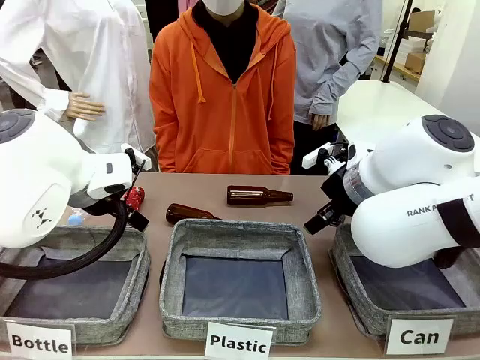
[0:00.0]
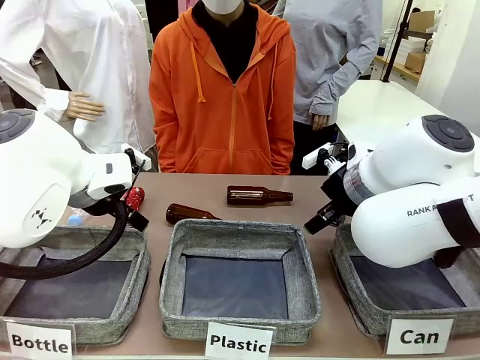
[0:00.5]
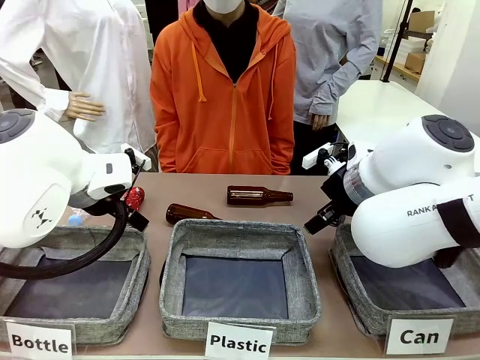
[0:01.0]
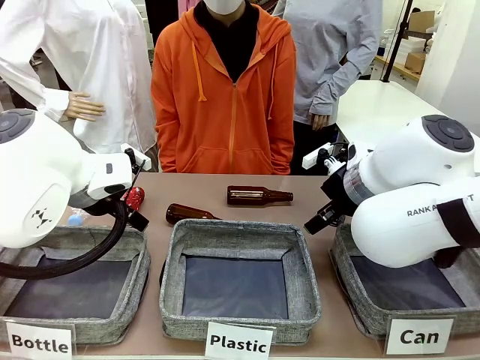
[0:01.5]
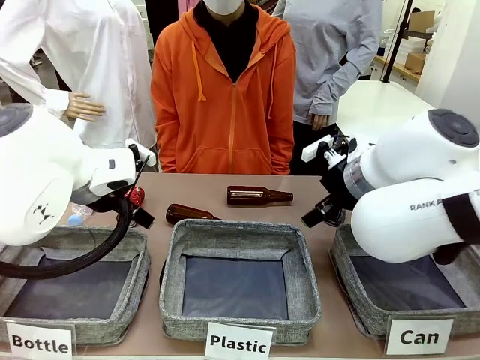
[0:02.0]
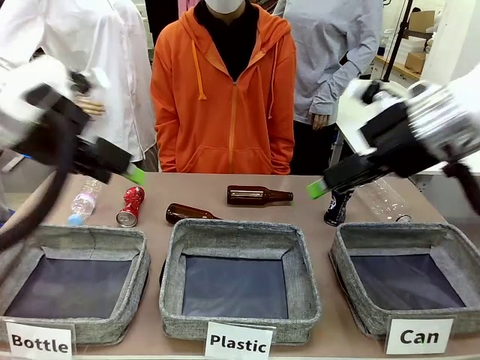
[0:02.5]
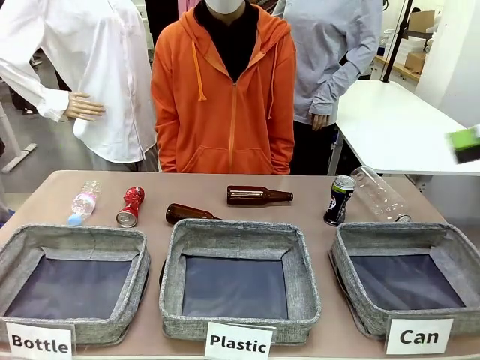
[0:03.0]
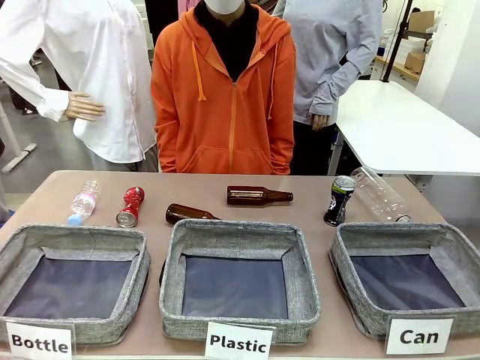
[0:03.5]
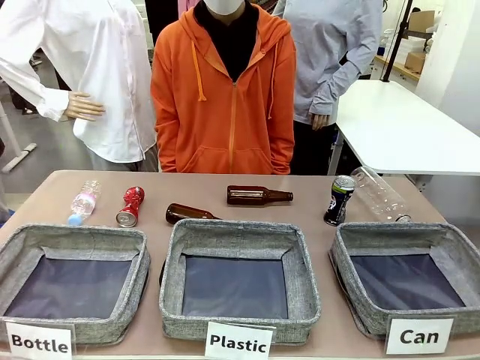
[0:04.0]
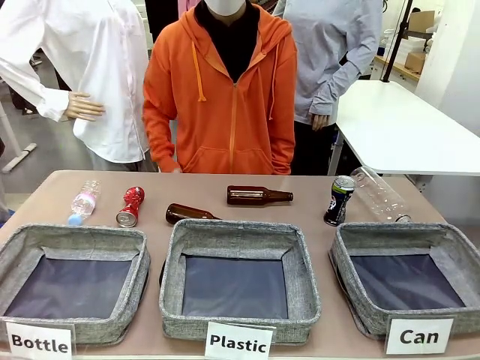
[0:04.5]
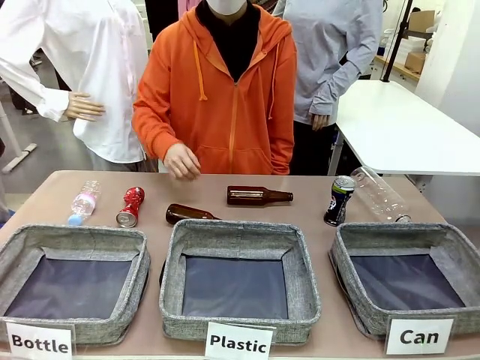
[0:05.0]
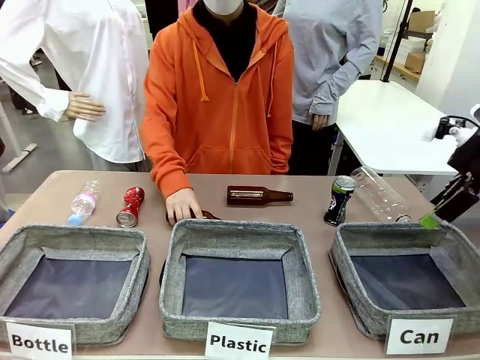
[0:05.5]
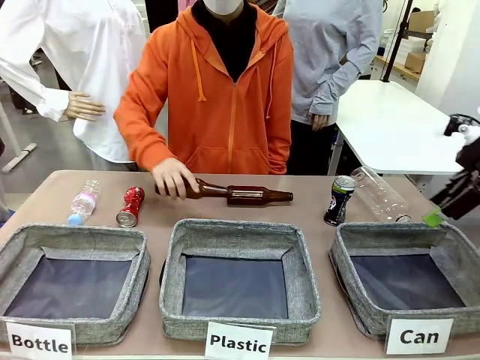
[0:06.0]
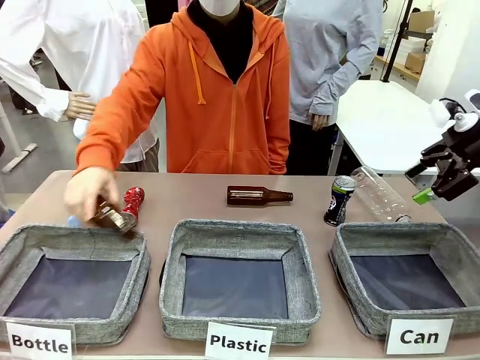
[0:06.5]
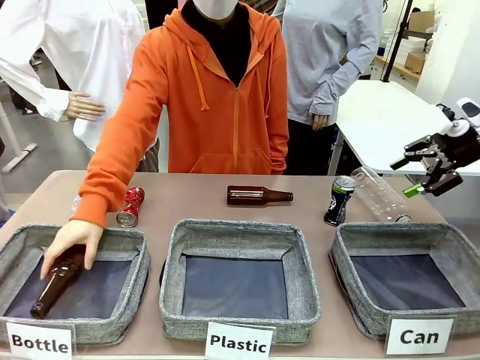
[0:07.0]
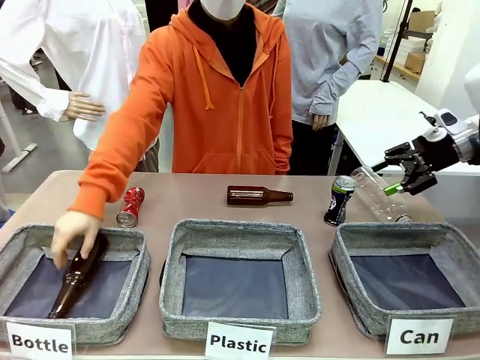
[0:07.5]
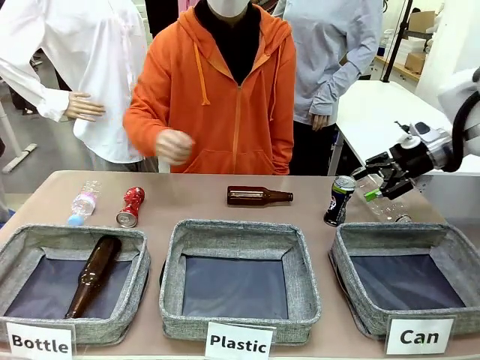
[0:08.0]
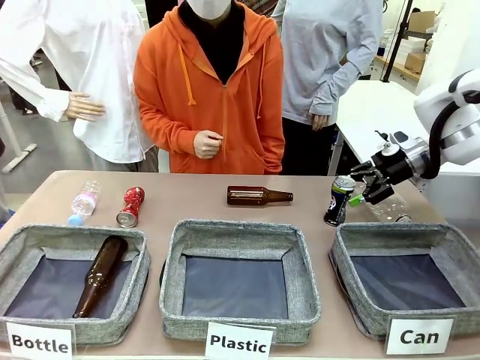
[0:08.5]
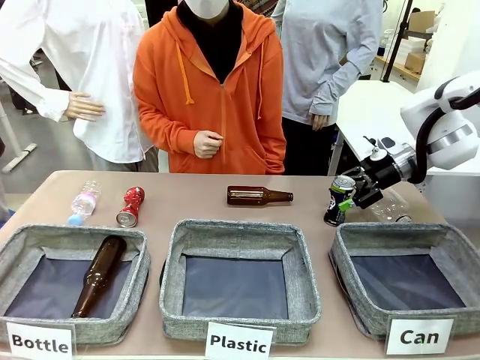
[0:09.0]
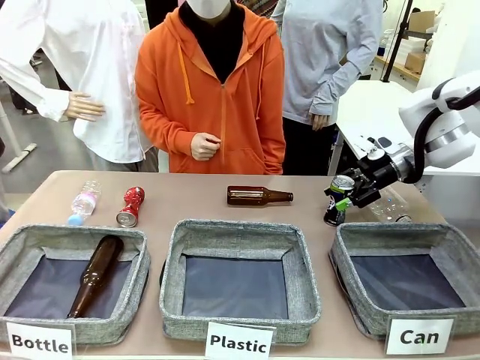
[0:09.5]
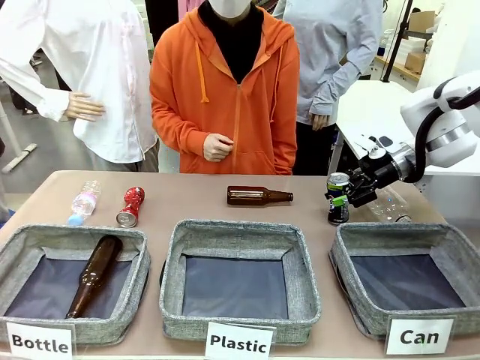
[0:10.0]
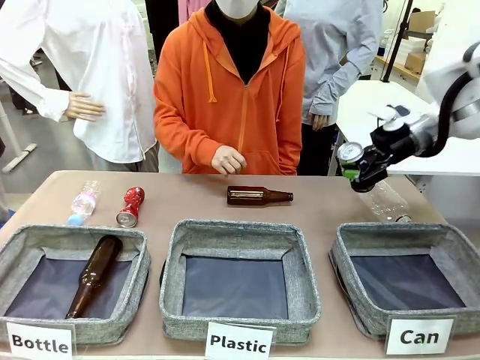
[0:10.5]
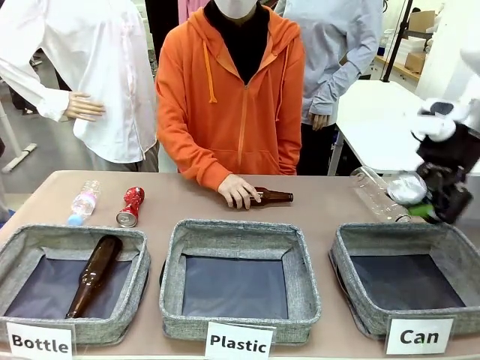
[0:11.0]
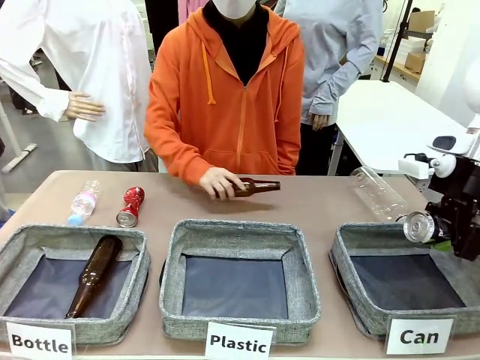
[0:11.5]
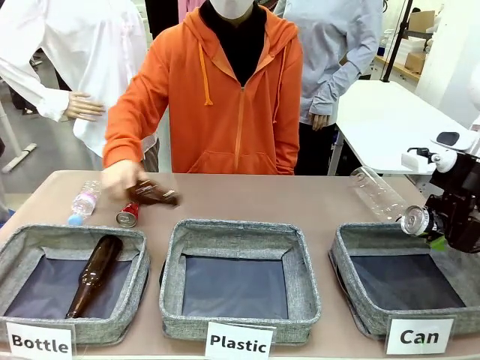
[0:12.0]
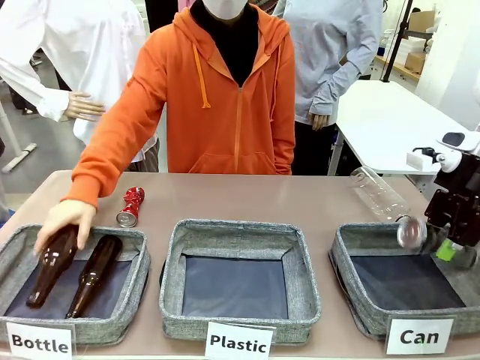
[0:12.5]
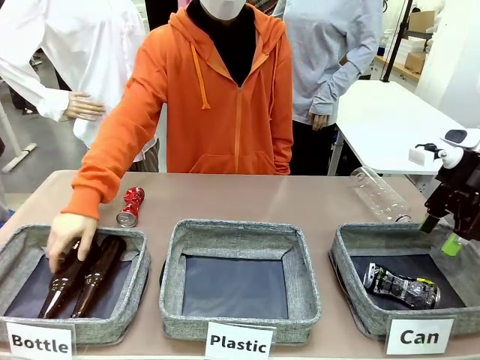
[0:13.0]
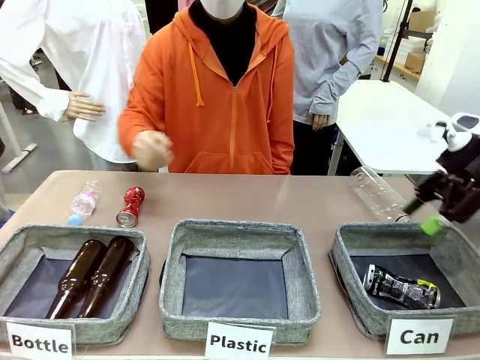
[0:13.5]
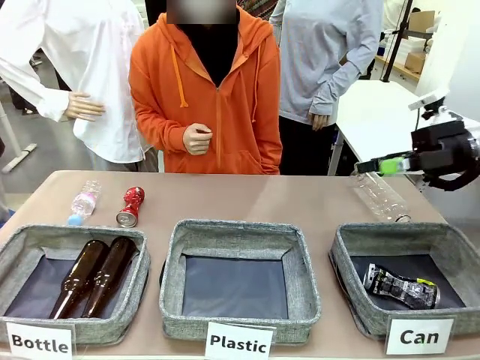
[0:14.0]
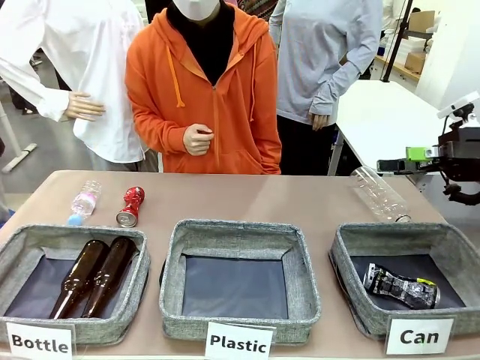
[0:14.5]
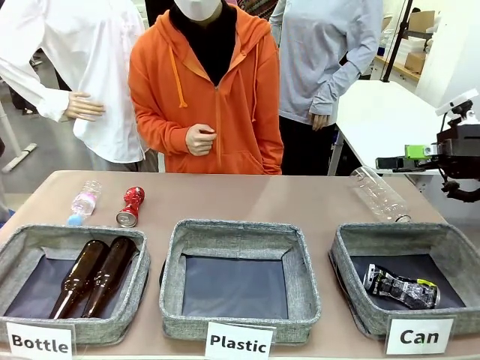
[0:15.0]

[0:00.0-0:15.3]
Task: Sort the can waste into the basket.
Robot: Pick up the can waste from the table and place it in the right Fabric basket.

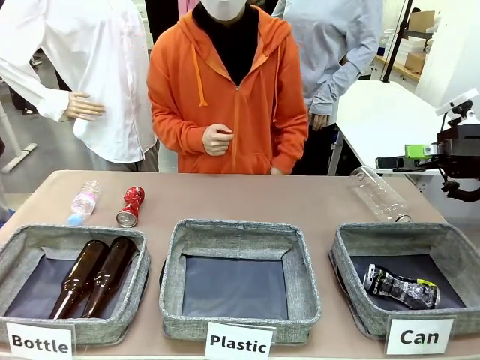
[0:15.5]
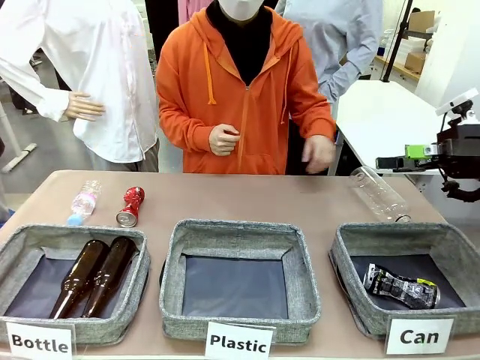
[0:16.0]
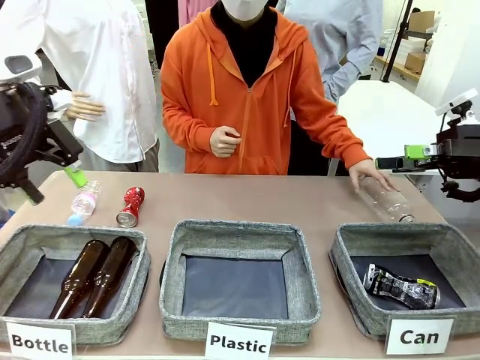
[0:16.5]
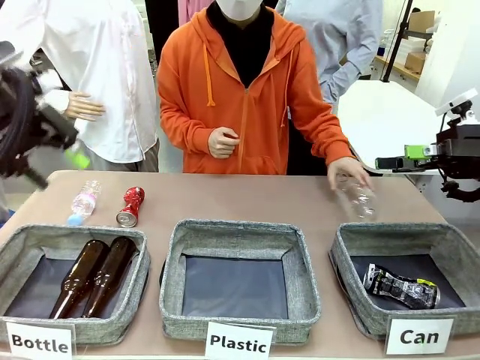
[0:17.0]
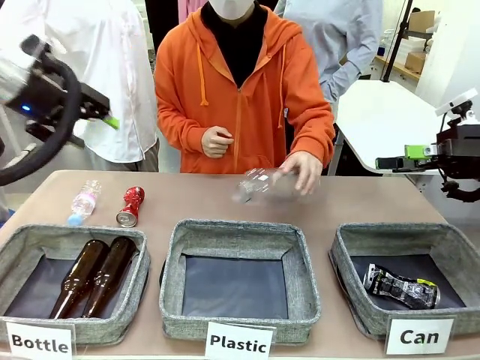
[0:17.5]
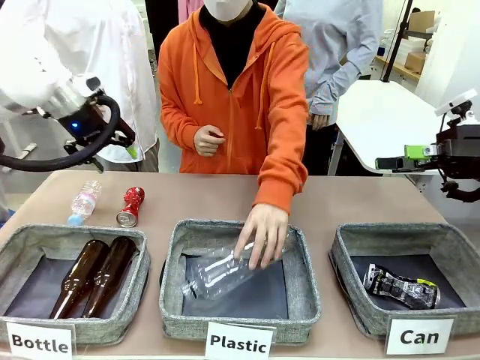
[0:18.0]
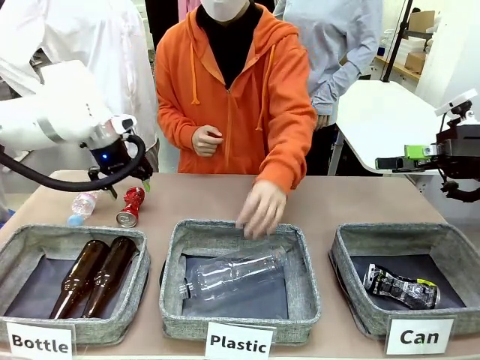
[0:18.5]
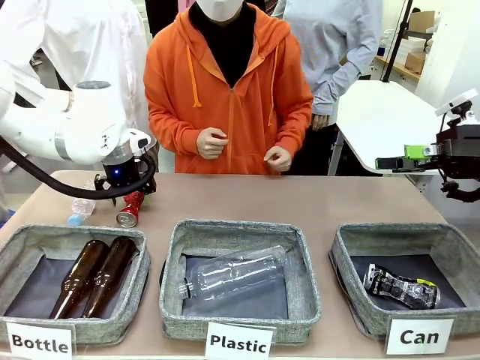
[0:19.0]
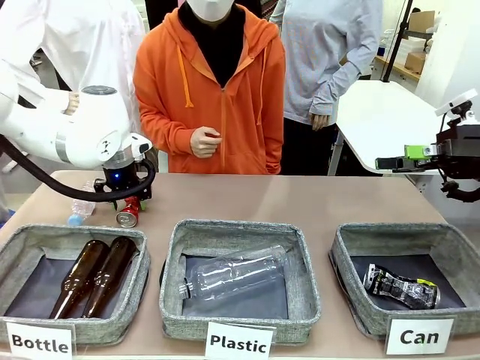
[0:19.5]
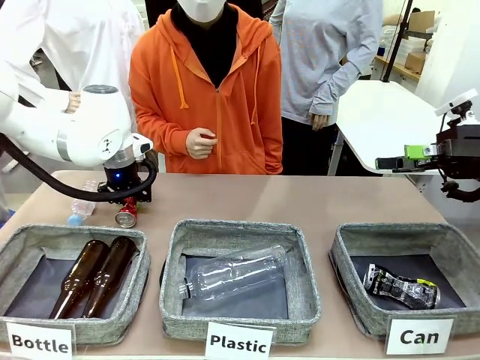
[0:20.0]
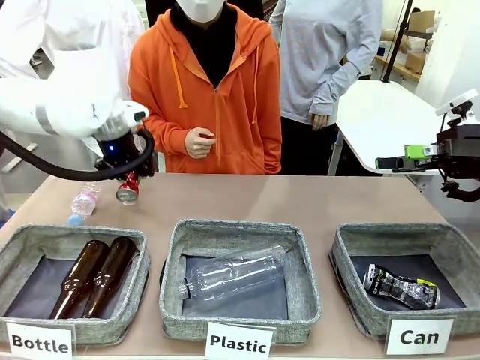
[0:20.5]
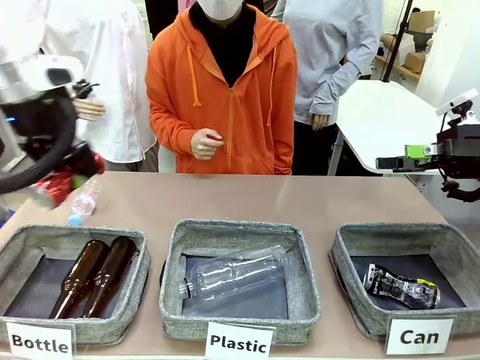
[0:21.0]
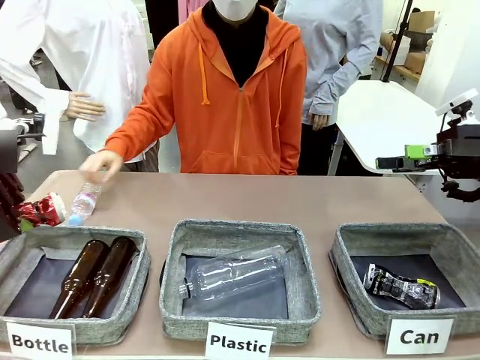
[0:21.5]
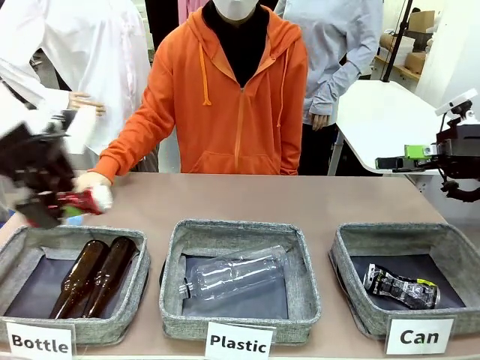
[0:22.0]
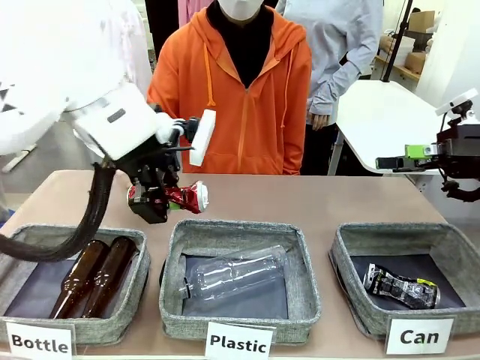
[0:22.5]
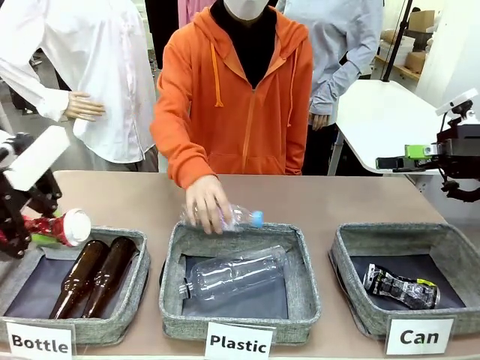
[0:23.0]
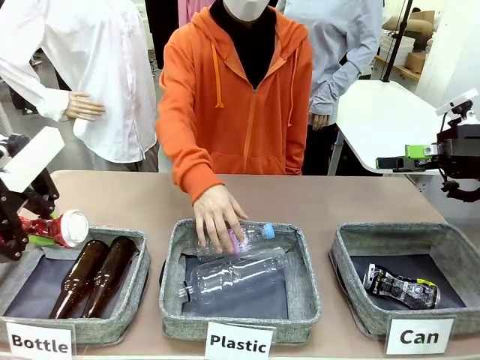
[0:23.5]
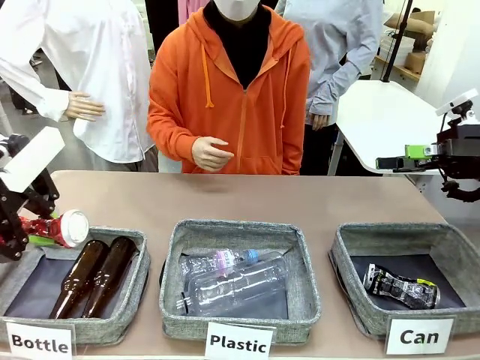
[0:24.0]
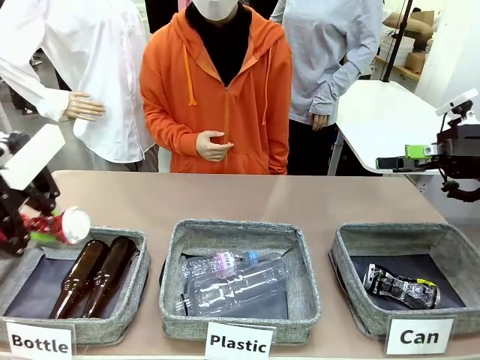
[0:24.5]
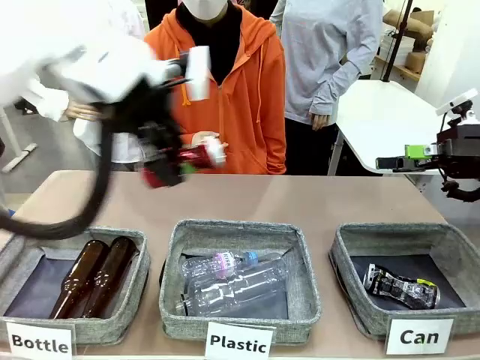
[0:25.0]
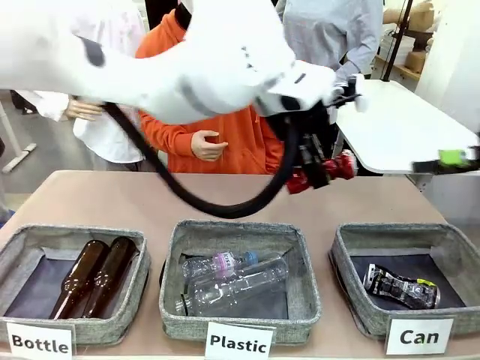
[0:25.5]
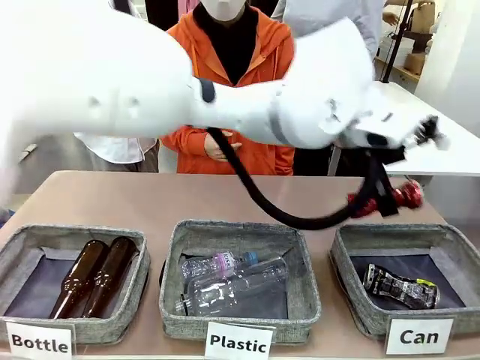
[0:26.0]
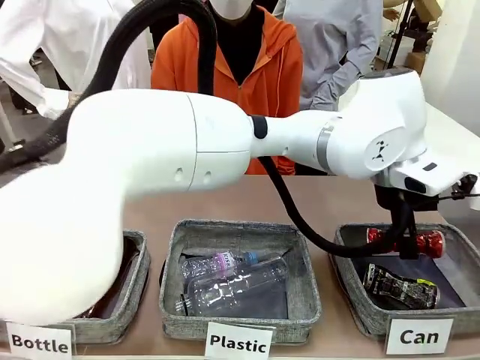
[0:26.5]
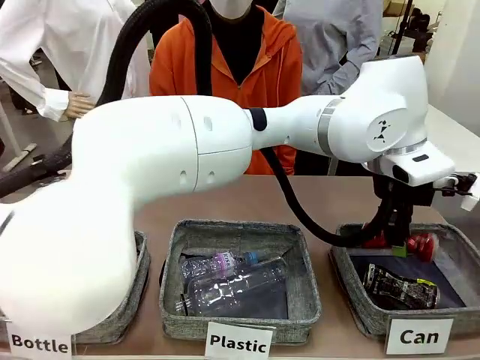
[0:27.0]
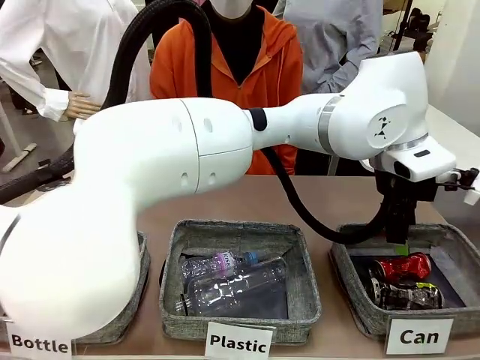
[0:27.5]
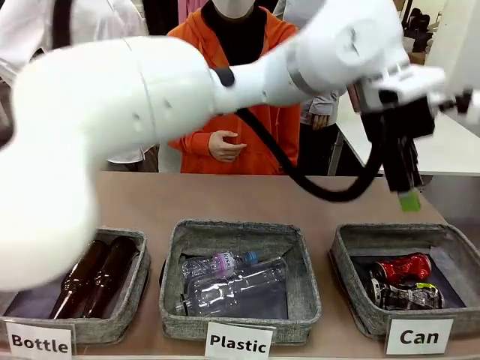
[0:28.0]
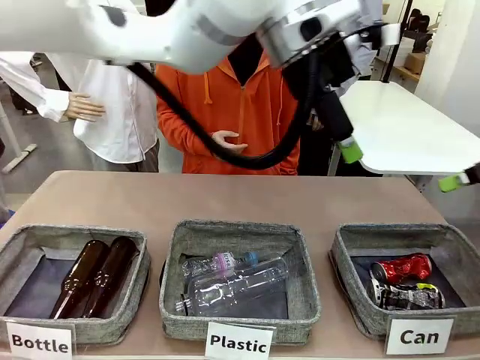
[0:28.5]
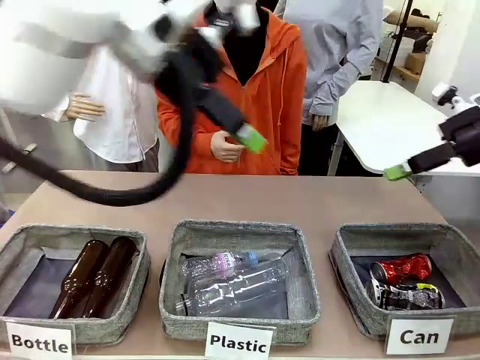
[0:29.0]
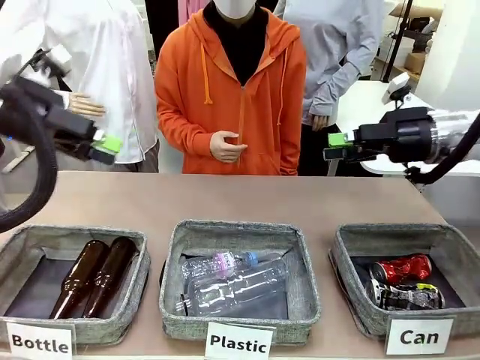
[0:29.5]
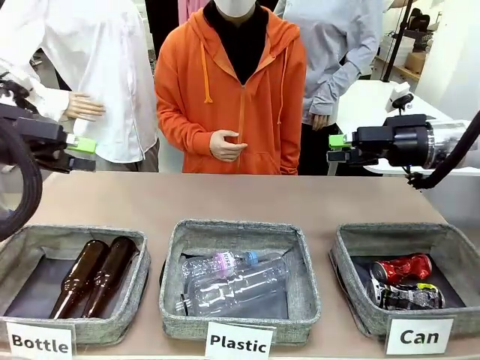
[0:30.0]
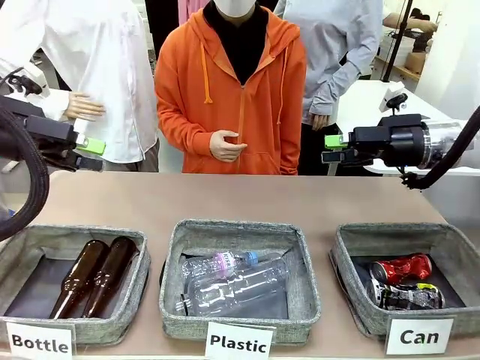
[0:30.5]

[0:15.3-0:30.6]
Robot: Pick up the can waste from the table and place it in the right Fabric basket.
